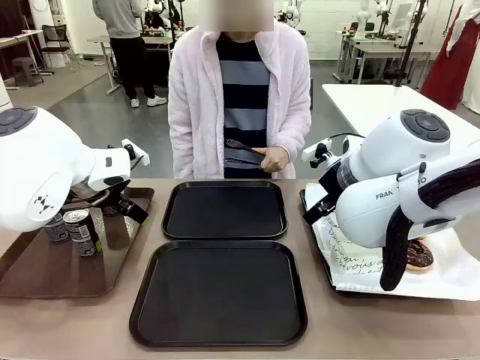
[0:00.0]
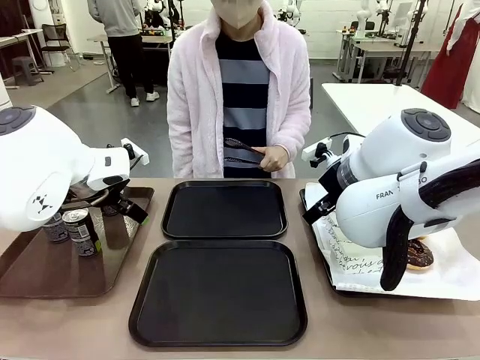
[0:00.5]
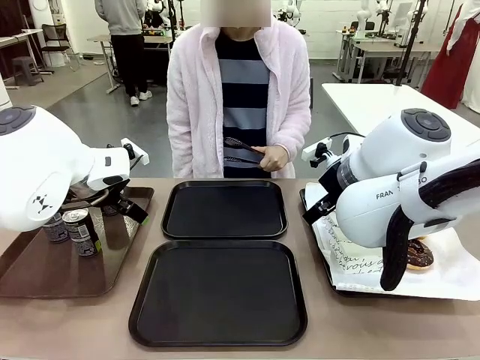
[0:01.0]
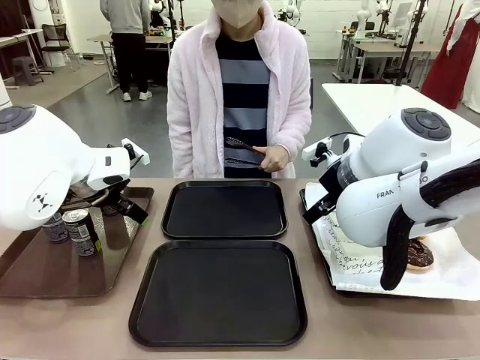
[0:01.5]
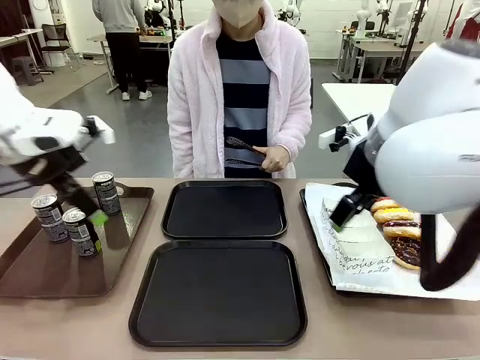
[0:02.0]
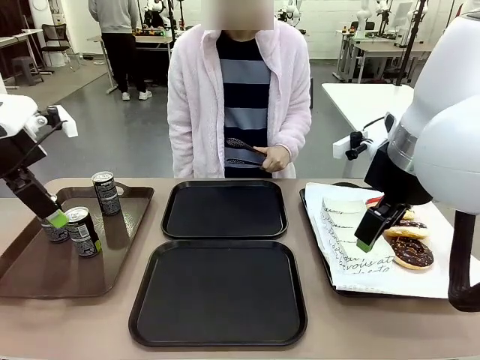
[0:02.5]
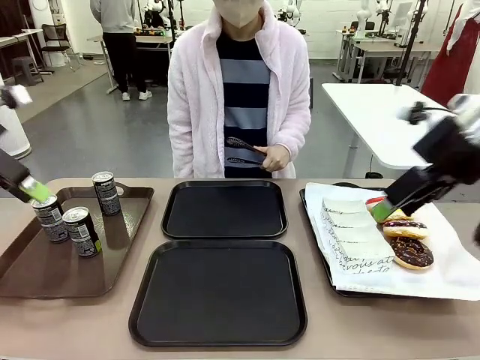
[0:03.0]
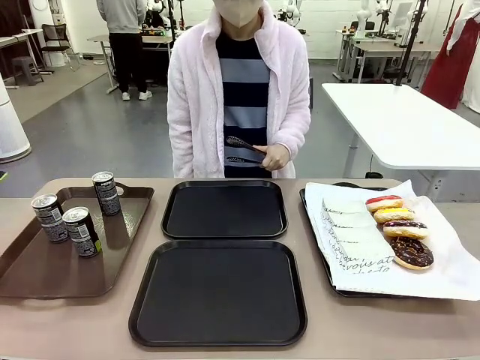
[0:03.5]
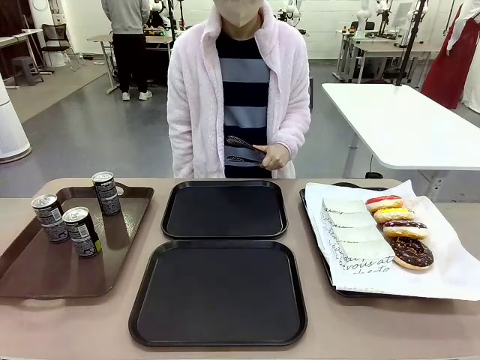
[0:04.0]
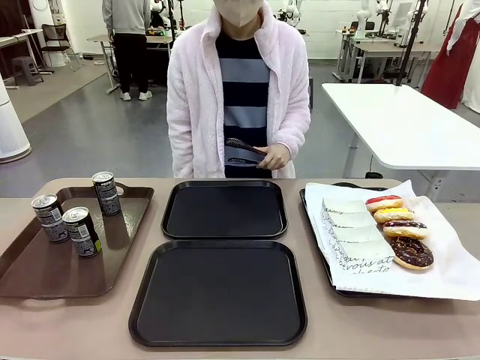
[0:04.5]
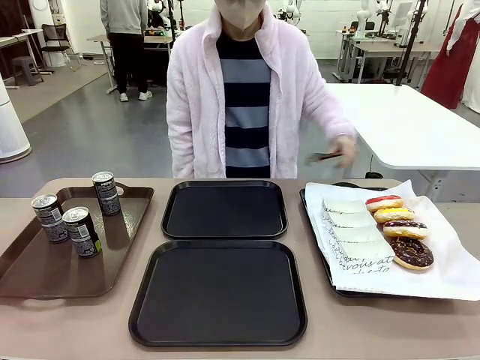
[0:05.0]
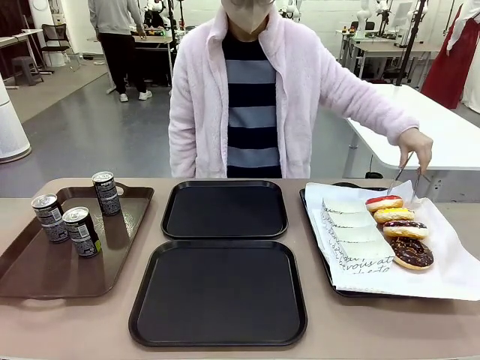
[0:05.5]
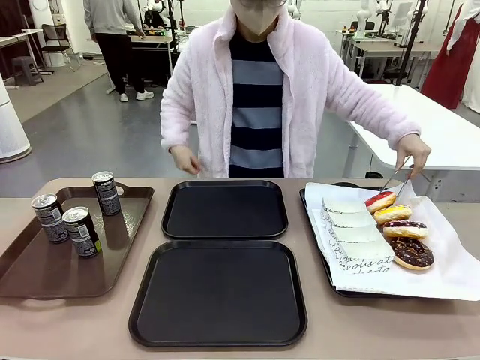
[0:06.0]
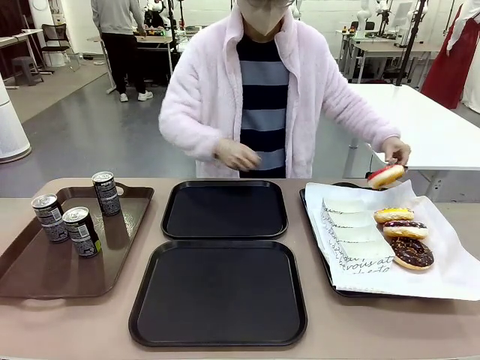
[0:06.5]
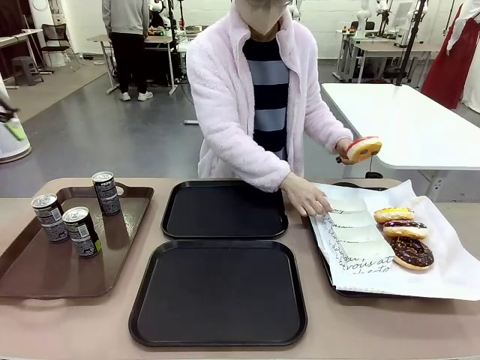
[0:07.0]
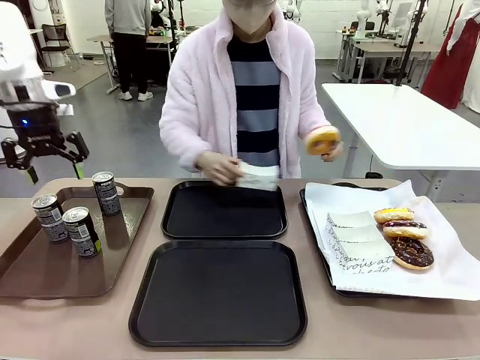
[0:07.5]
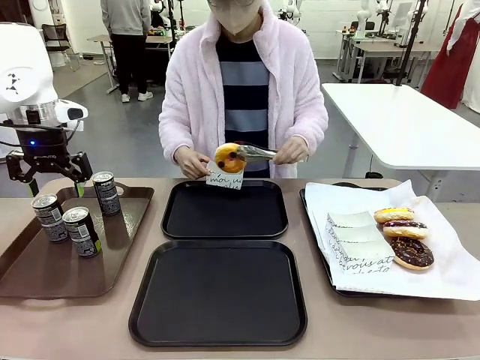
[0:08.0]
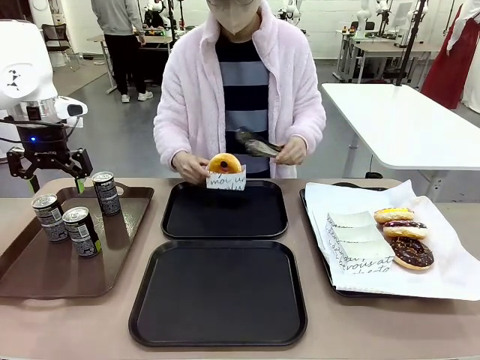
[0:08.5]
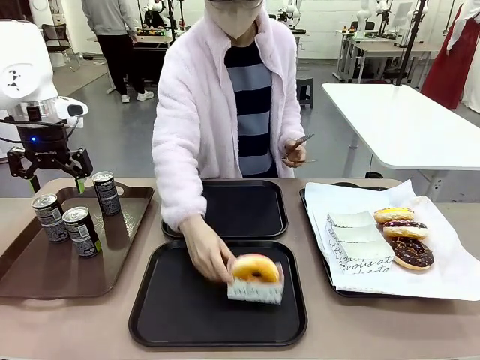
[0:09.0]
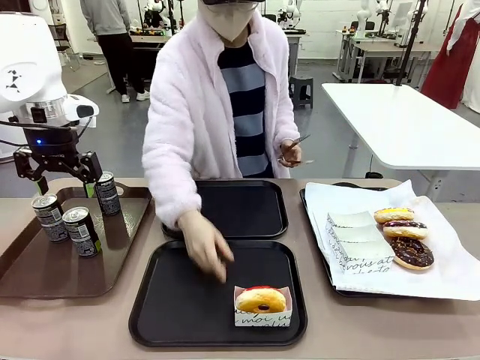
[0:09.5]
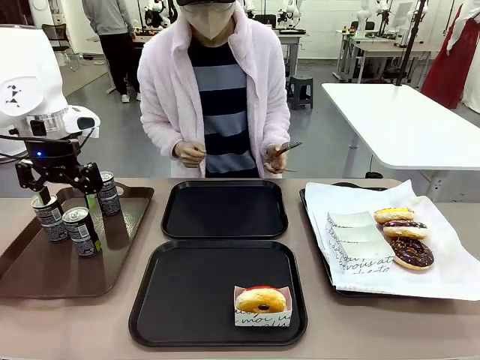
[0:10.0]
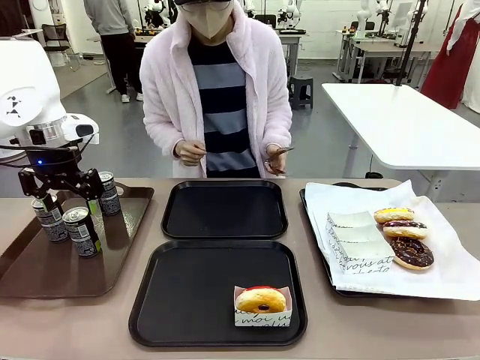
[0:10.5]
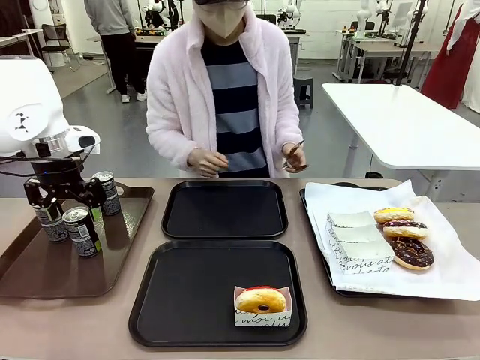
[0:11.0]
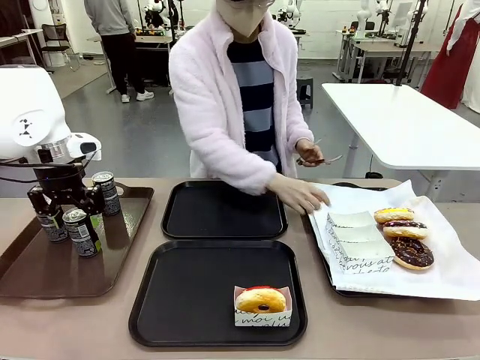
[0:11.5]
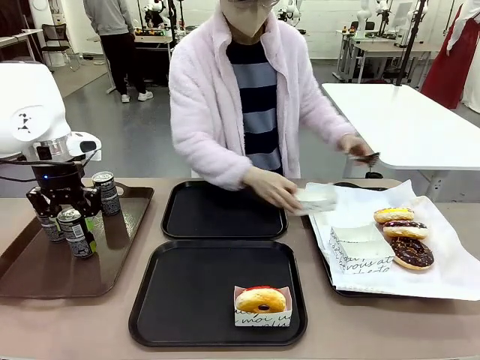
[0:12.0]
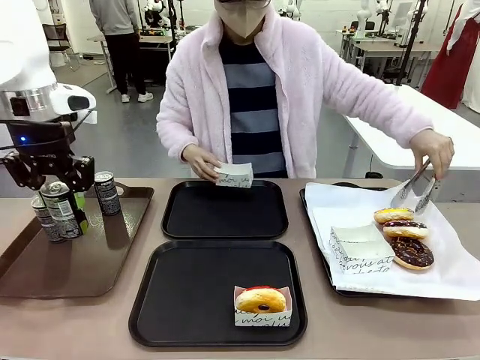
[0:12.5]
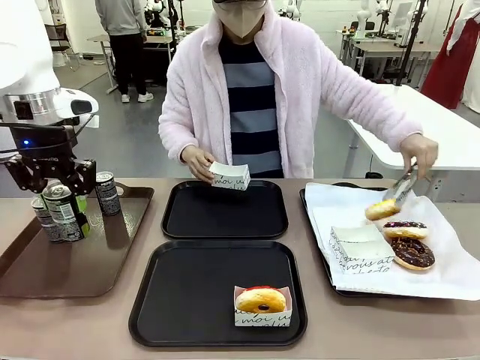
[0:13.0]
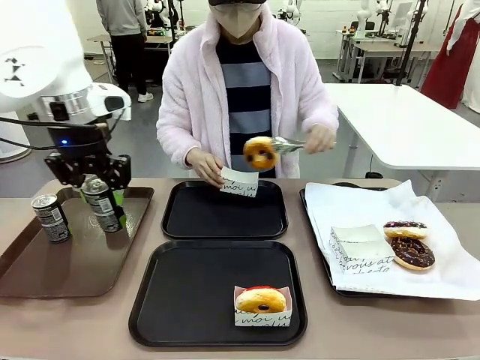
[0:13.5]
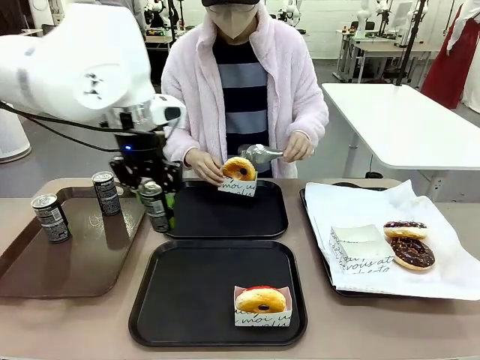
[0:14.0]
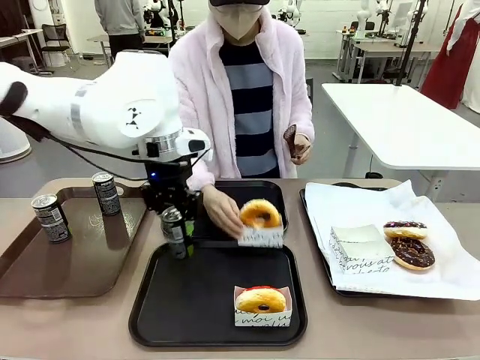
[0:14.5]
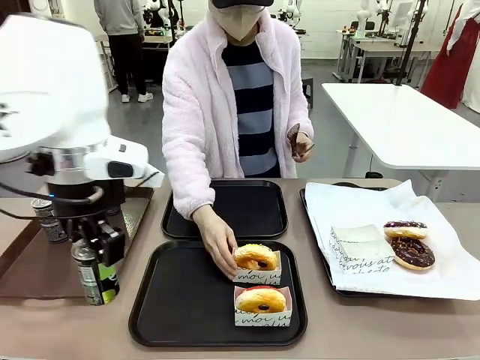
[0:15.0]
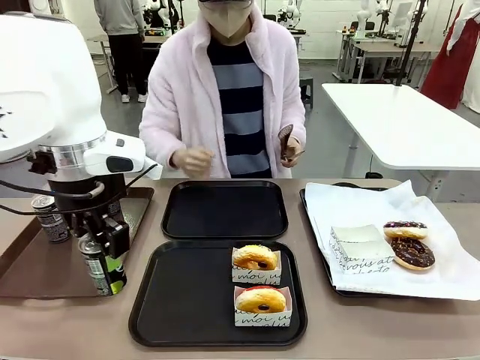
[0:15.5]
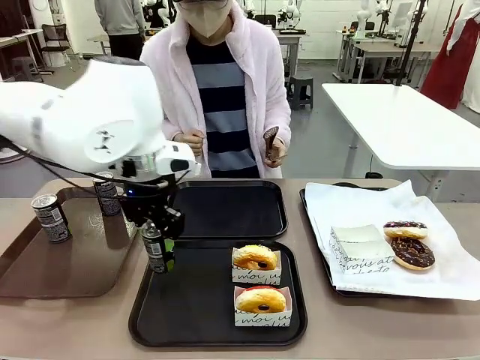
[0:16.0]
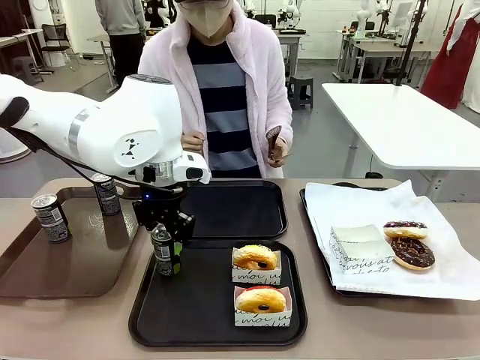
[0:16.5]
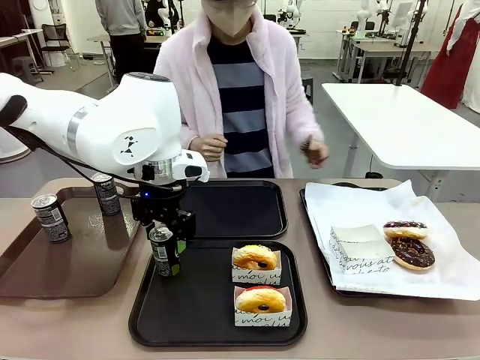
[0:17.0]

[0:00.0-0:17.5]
Task: Set up donuts and drinks on trays.
Robot: Pick up one Pepsi coke and place it on the Flat Tray.

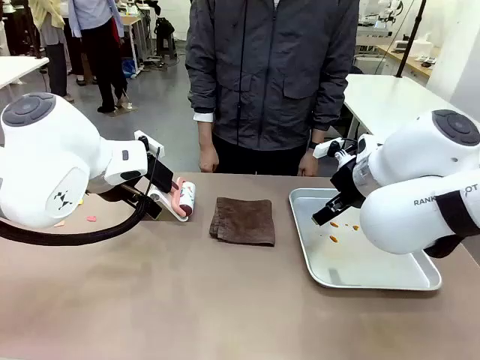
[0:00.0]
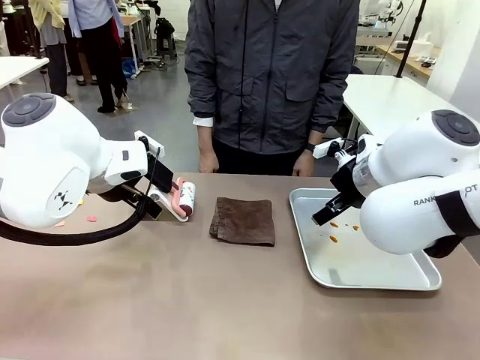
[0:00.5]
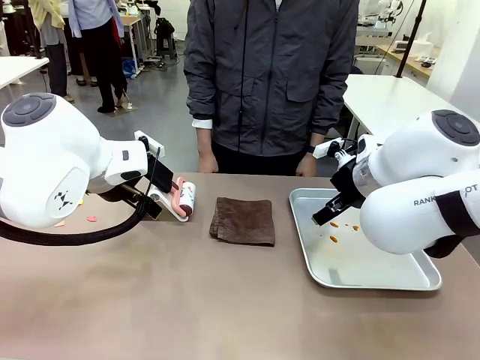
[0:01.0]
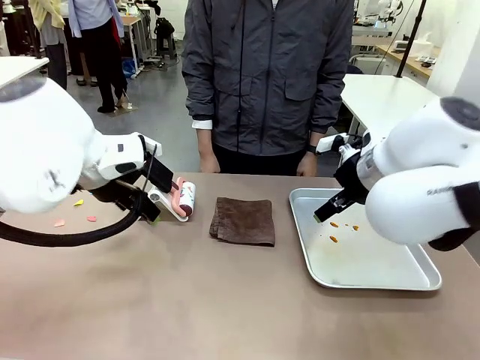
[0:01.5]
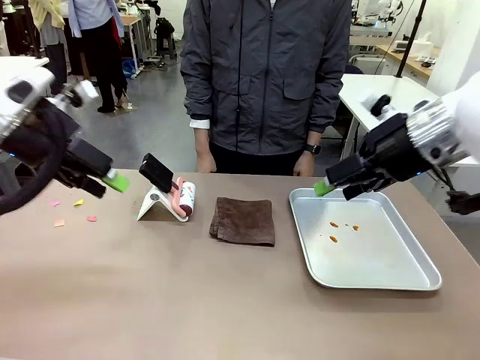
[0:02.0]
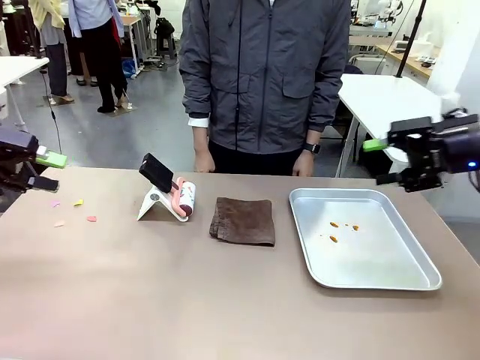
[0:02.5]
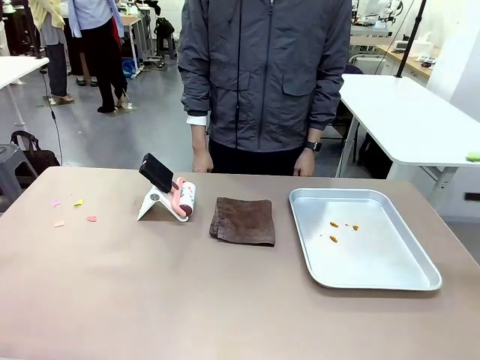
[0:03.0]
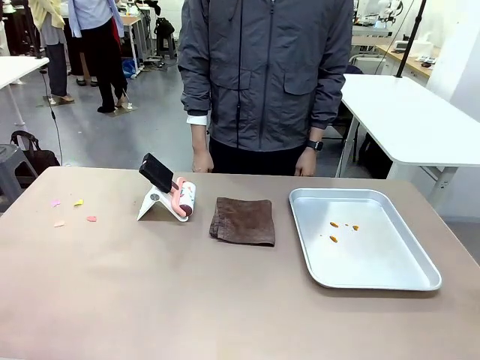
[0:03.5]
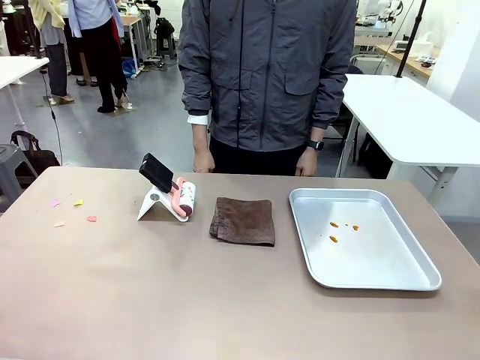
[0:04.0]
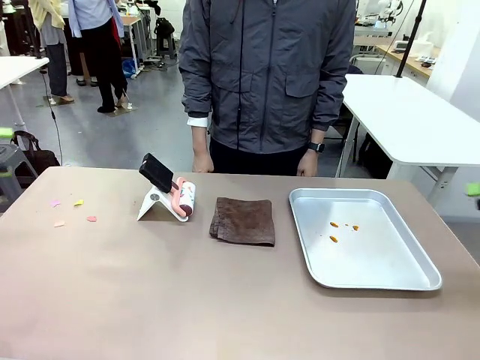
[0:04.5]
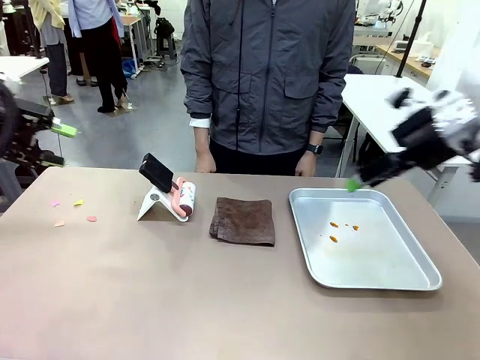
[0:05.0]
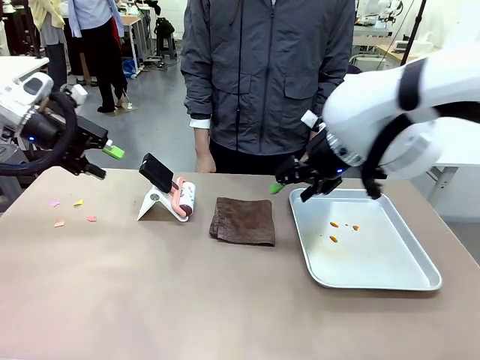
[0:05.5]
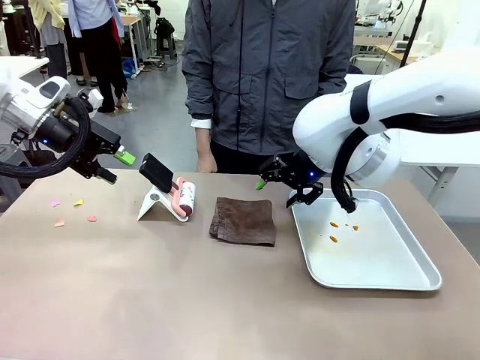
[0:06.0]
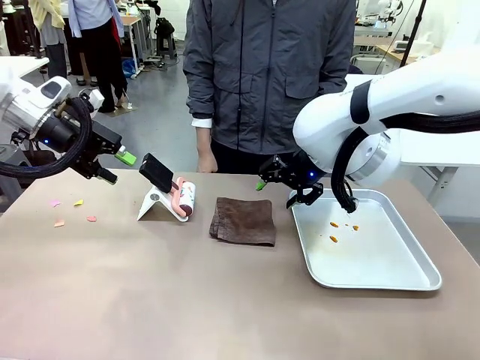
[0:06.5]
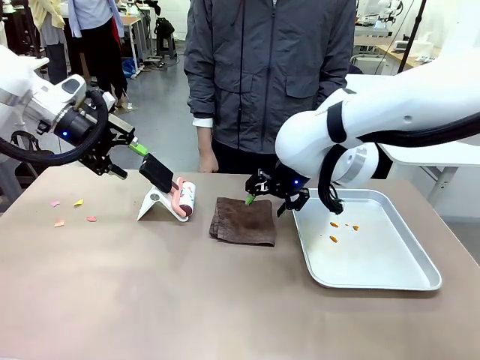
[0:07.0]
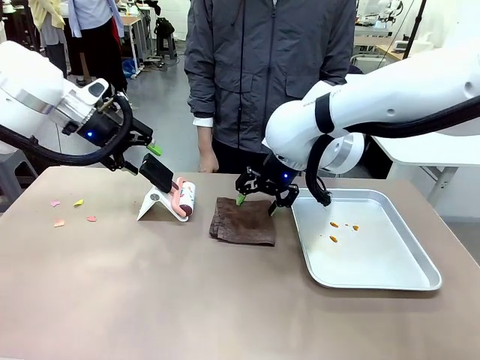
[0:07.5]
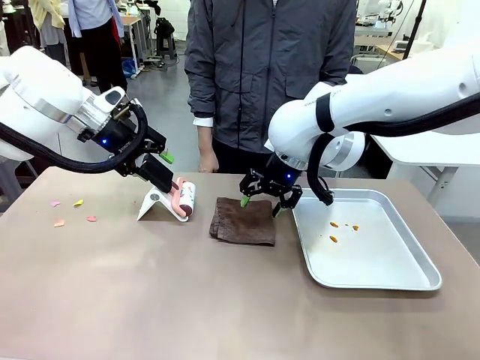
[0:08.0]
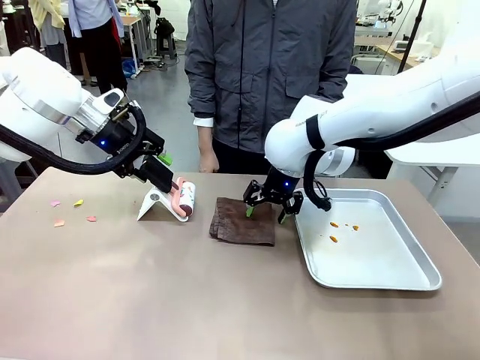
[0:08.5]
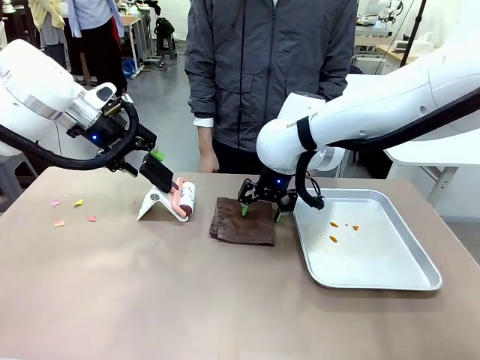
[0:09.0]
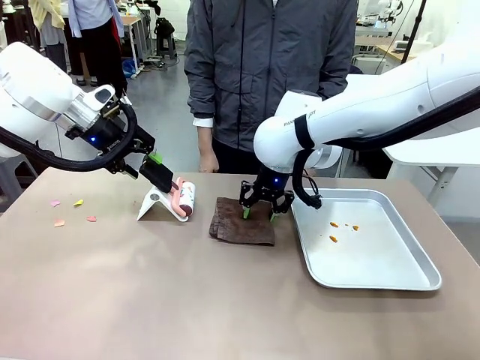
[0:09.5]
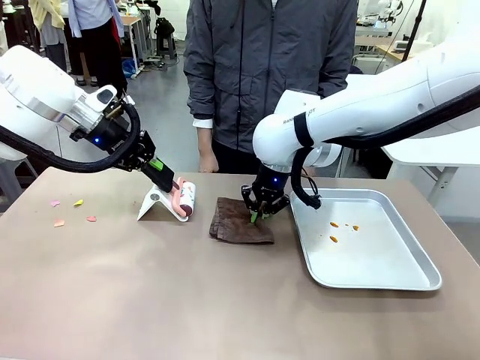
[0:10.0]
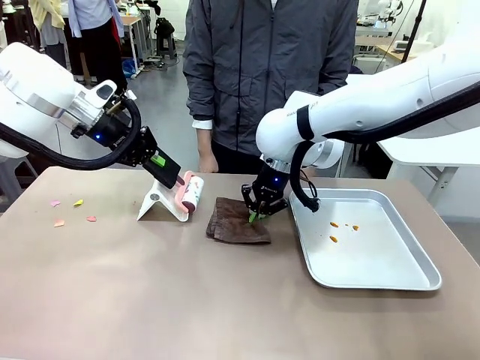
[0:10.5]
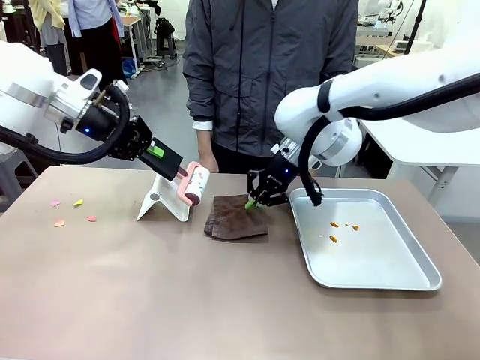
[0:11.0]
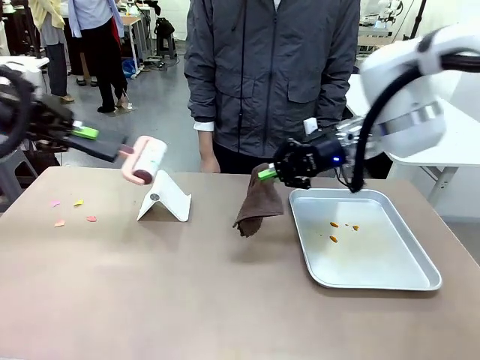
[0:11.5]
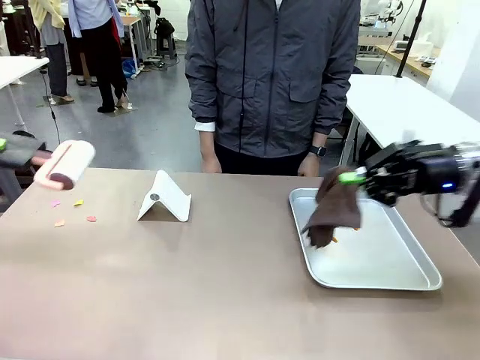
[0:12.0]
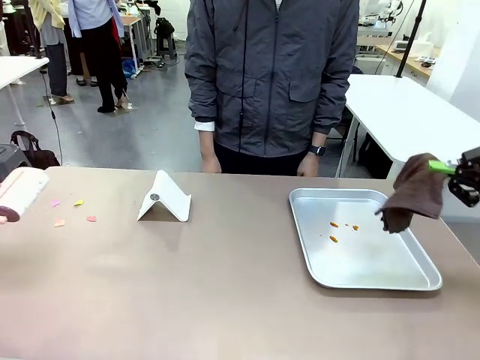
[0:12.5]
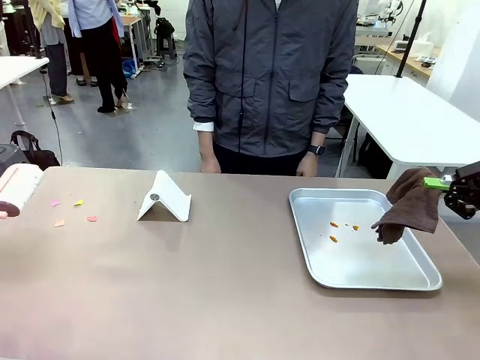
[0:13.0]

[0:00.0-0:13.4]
Task: Clean the surface of the table.
Robot: Hold the Lint Roller with your left hand and the towel with your right hand.
